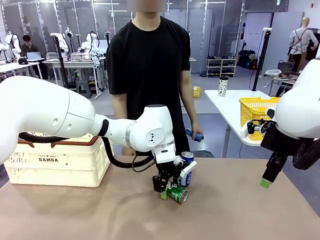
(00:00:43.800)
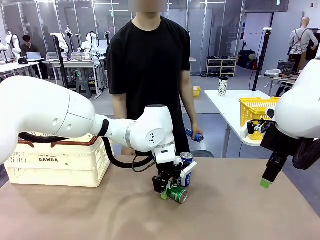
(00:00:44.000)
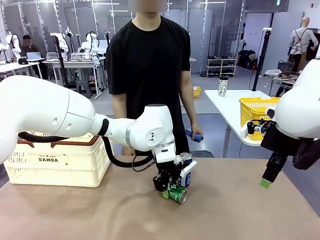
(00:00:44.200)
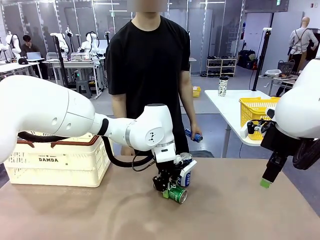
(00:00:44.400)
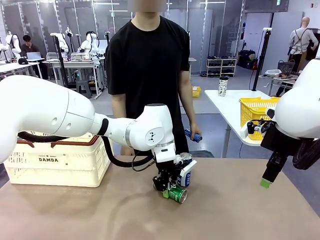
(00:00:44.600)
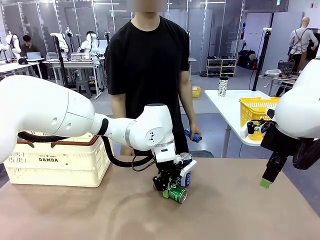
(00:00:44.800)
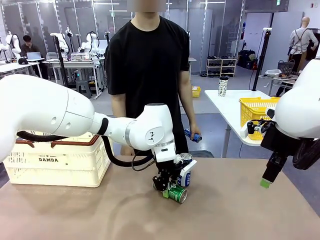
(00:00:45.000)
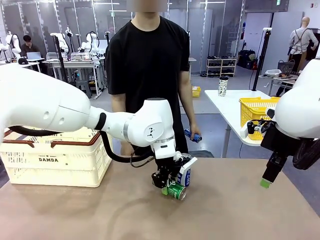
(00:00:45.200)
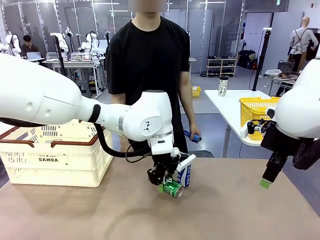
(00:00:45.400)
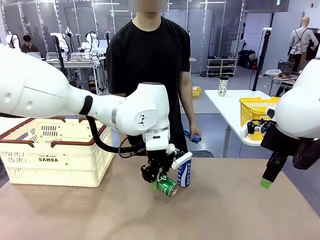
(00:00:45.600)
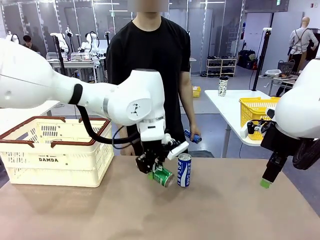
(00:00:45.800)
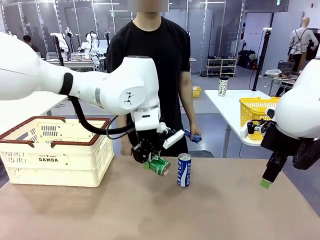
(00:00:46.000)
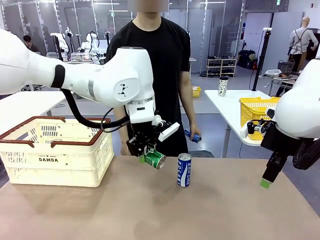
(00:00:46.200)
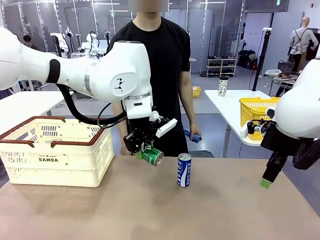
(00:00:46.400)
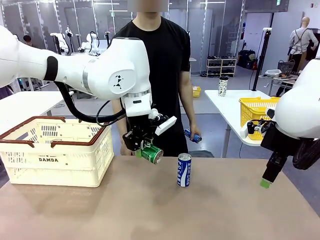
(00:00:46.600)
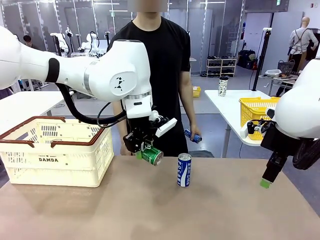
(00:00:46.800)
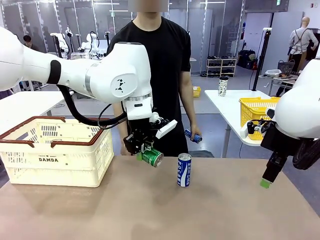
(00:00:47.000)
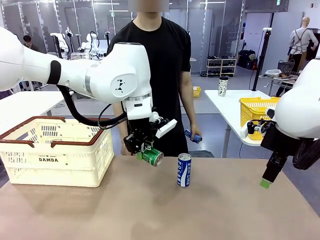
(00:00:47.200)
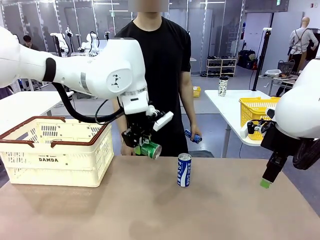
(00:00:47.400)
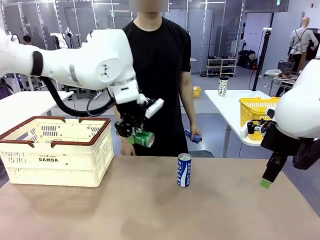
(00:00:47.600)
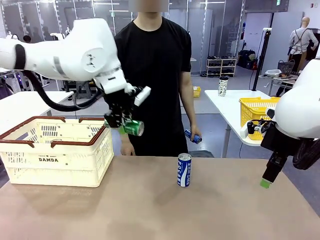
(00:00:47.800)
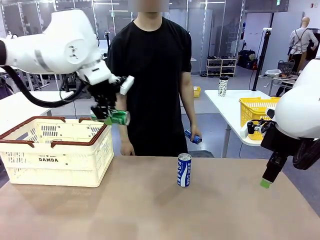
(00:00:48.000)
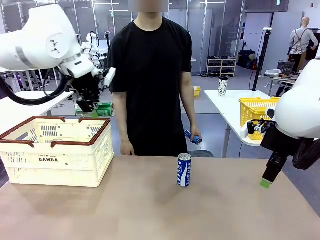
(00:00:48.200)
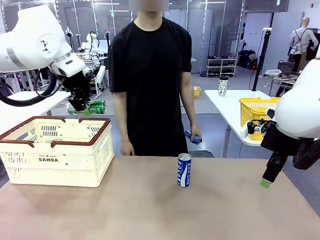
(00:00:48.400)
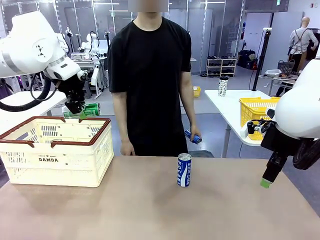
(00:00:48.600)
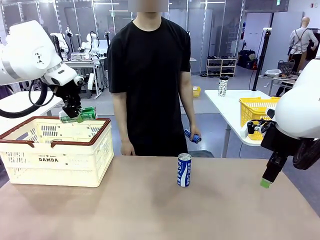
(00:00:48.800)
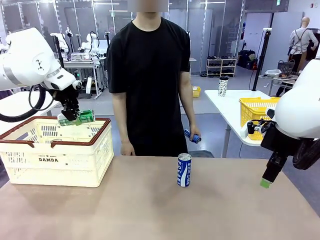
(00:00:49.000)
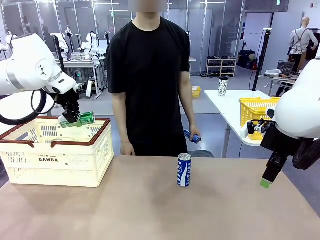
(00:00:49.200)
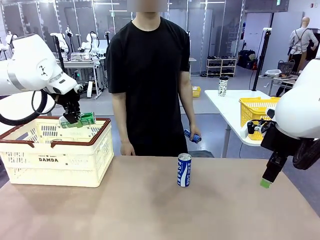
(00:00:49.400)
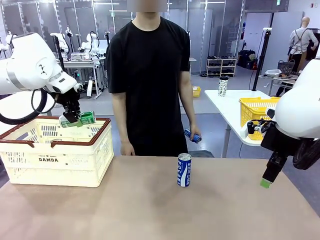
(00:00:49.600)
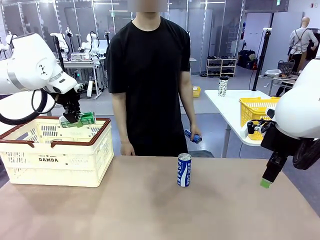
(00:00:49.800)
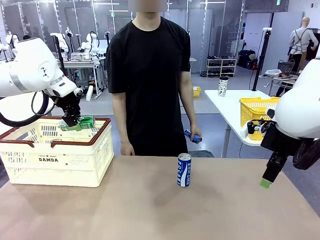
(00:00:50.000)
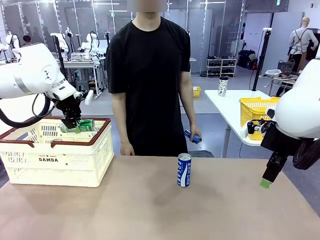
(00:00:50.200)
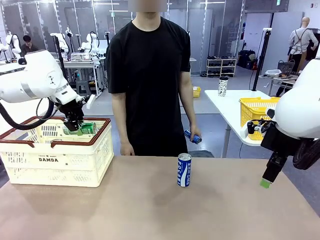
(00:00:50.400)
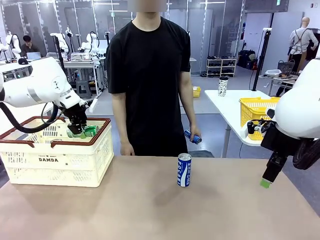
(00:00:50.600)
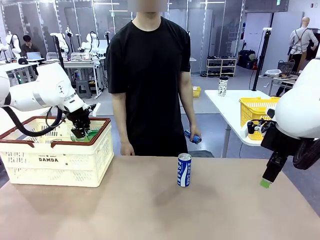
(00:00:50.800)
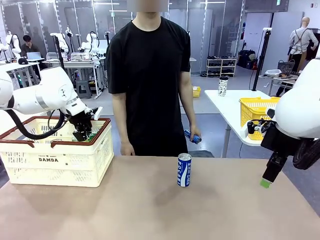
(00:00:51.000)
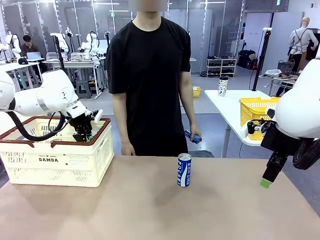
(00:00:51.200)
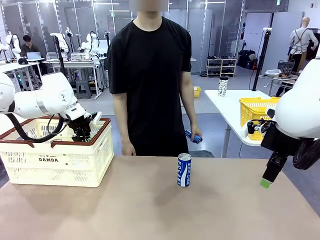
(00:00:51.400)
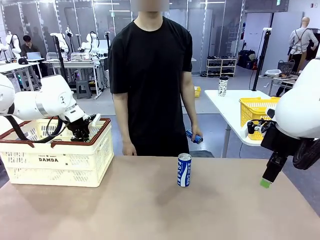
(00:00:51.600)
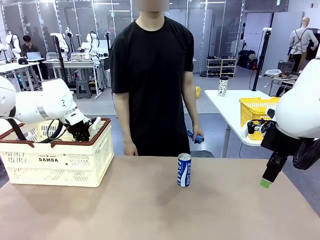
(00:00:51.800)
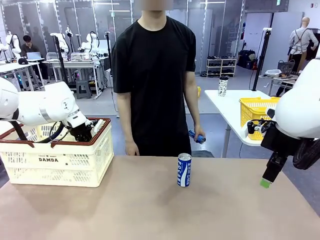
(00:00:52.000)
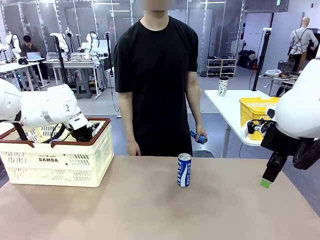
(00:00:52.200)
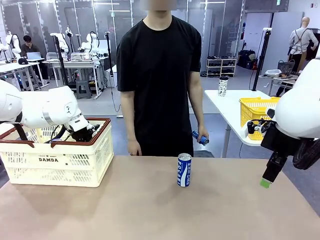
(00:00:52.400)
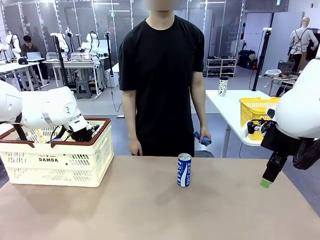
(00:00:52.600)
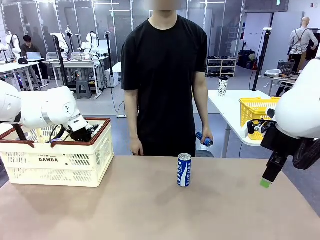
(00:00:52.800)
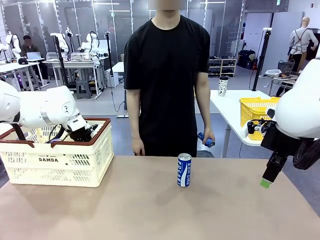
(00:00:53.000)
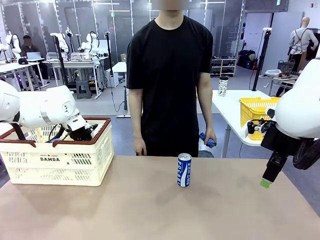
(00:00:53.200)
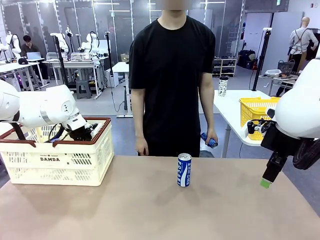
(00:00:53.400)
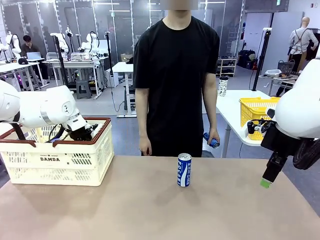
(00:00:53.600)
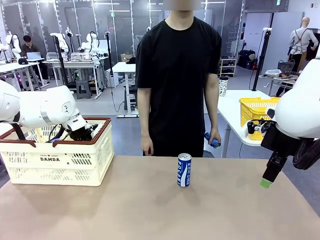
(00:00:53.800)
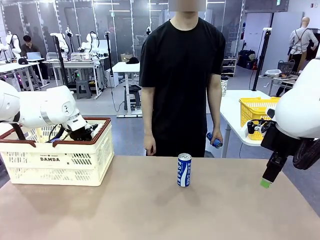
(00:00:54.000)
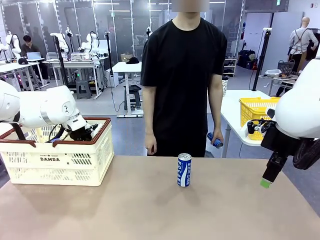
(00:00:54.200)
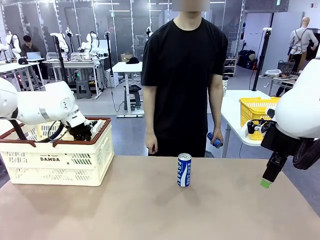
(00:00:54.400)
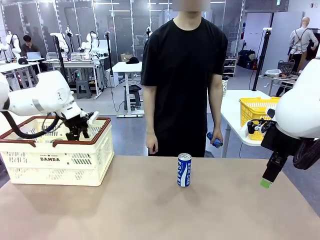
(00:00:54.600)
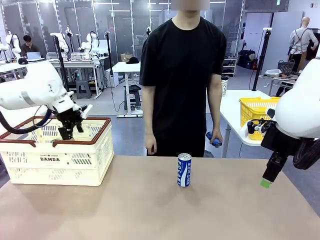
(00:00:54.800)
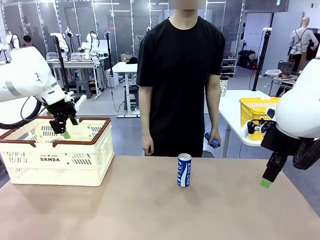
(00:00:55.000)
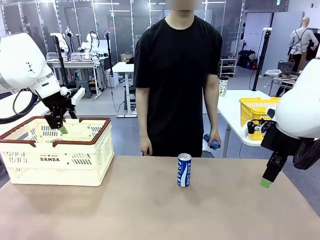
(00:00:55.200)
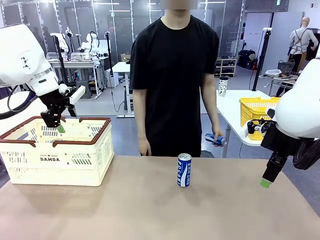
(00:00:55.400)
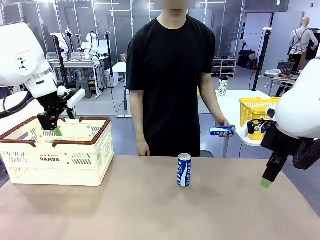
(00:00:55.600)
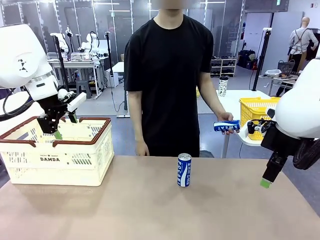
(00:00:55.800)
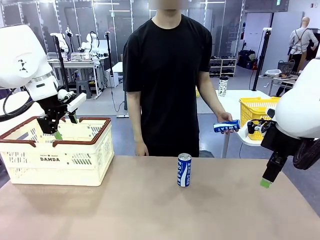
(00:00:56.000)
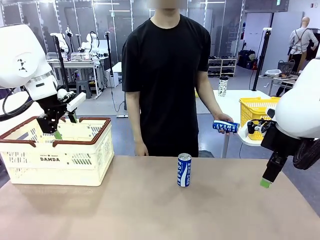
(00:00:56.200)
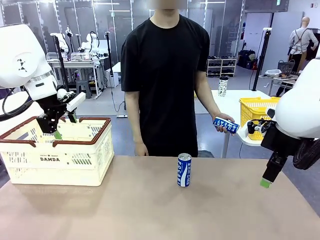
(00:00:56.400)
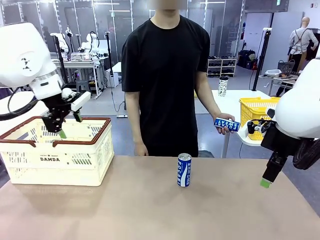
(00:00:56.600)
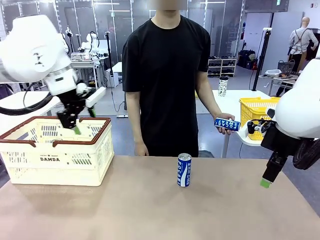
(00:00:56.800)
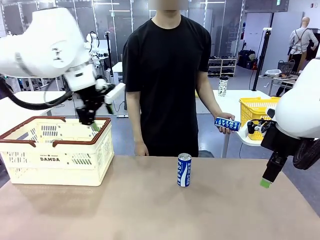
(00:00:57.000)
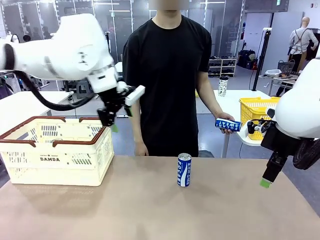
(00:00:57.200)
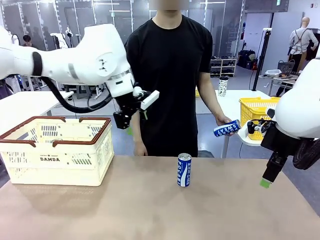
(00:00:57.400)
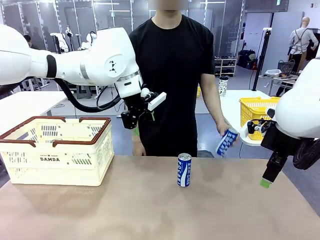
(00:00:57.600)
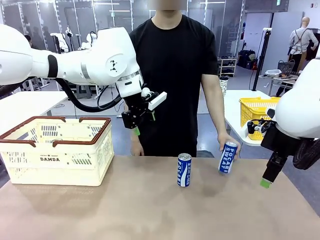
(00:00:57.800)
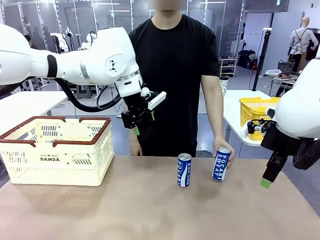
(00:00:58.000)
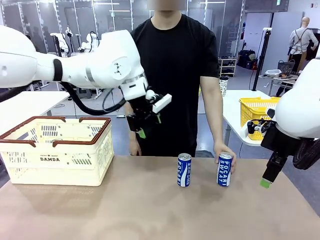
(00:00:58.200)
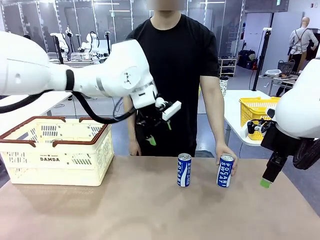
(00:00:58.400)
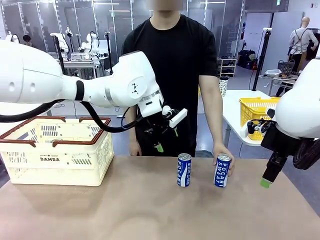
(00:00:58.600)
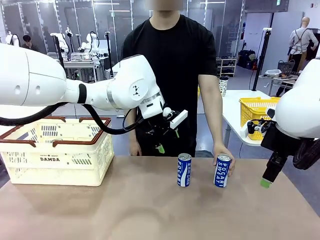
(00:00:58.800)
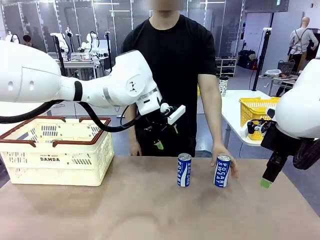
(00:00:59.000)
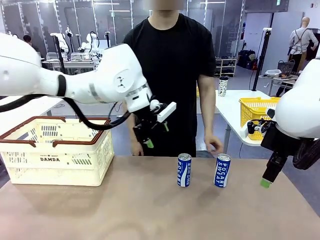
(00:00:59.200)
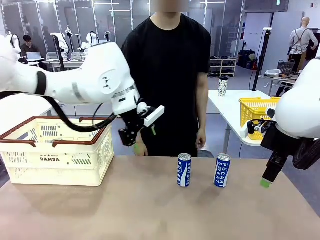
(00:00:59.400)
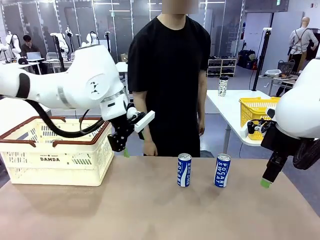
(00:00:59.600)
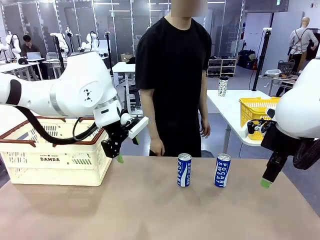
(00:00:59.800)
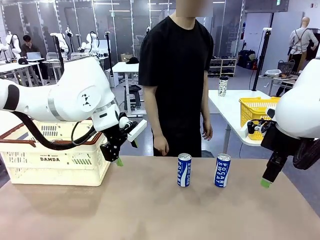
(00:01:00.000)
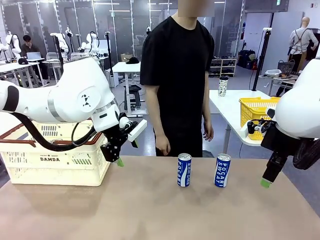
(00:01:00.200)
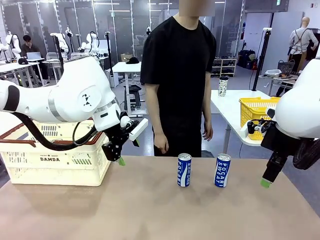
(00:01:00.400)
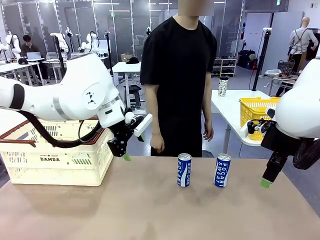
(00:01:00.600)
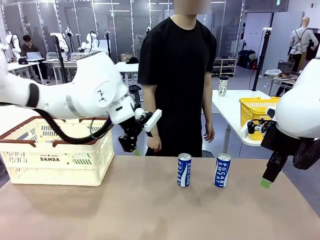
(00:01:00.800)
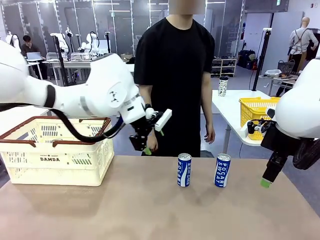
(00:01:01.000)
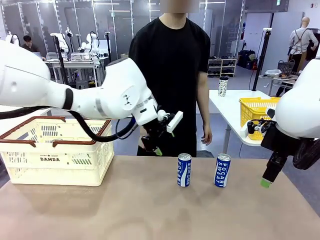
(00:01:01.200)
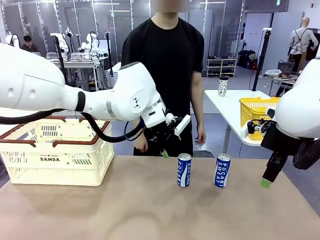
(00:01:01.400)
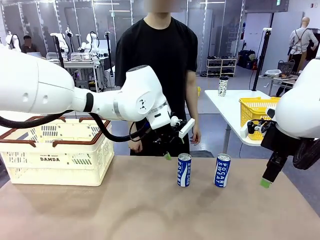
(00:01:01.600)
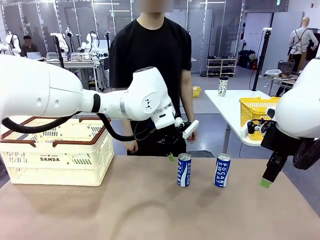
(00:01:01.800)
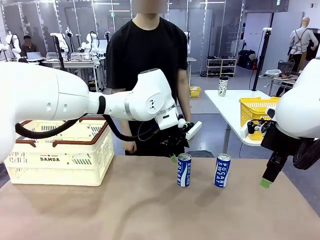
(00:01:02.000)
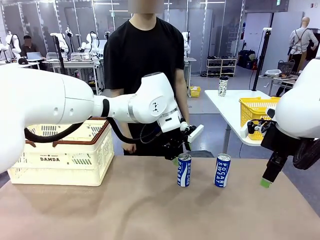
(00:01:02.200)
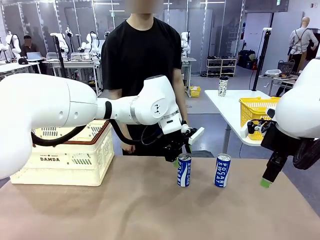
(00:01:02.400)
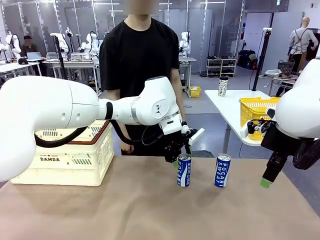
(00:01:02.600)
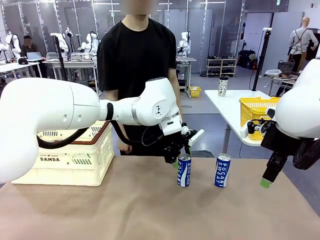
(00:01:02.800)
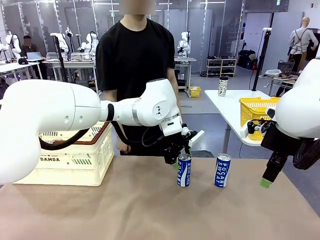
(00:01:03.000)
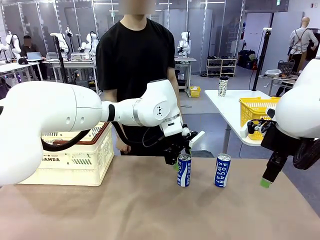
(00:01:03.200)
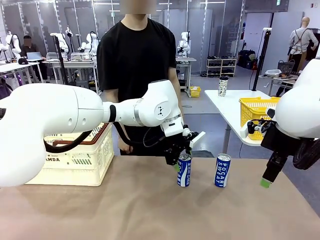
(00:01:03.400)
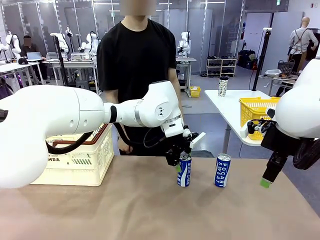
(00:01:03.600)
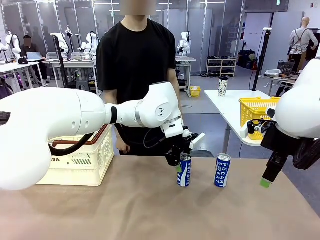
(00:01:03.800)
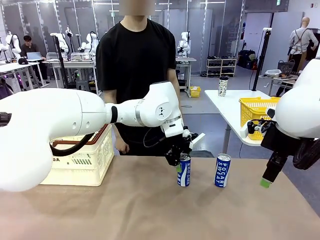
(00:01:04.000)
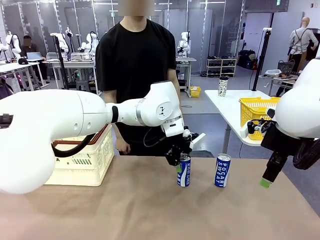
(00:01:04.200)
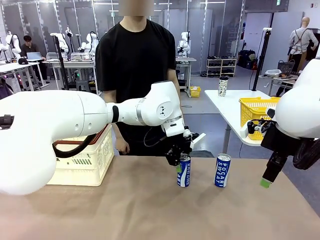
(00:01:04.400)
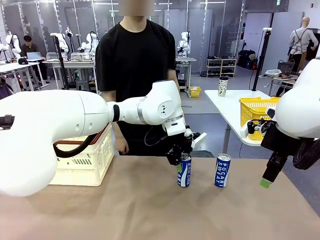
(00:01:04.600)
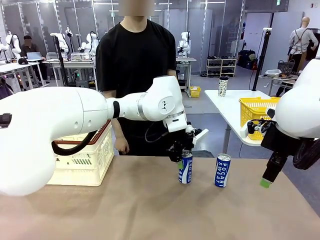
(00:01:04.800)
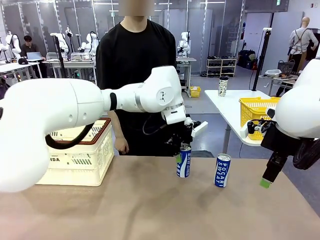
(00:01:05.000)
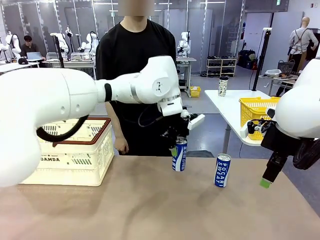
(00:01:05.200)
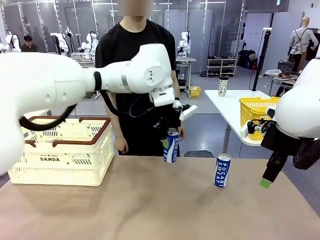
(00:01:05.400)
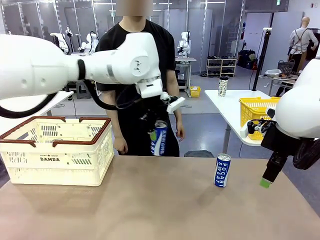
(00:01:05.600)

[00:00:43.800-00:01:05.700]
Task: Place the drinks into the Shopping basket.
Robot: Pick up one drink and place it into the Shopping basket.
